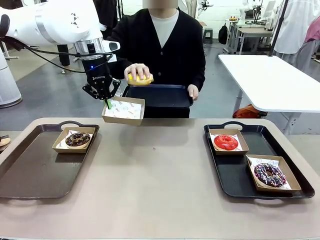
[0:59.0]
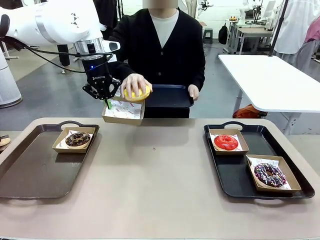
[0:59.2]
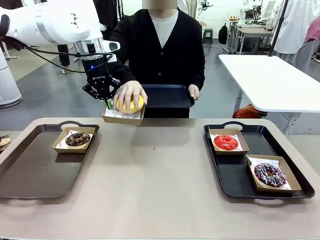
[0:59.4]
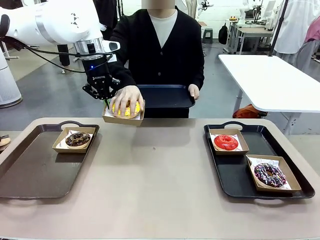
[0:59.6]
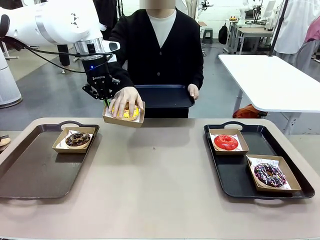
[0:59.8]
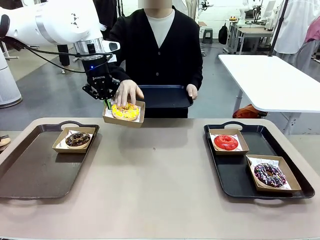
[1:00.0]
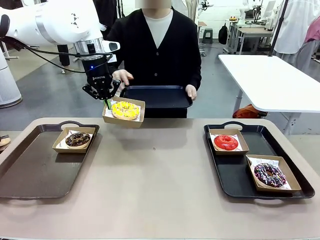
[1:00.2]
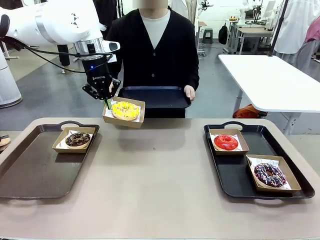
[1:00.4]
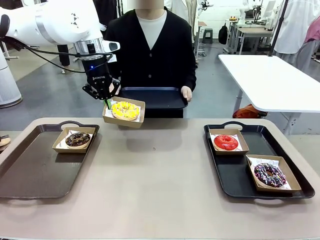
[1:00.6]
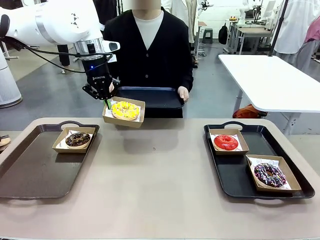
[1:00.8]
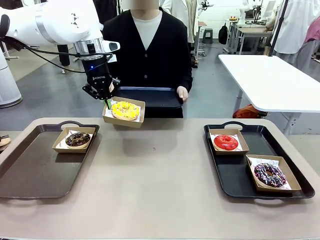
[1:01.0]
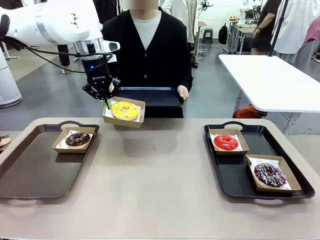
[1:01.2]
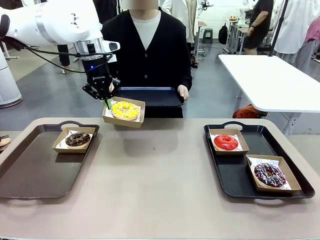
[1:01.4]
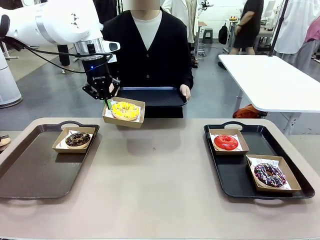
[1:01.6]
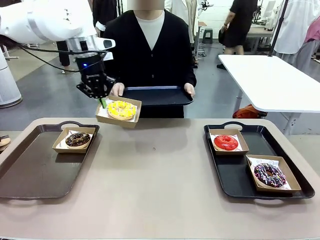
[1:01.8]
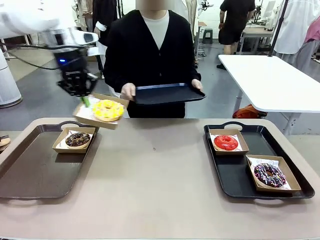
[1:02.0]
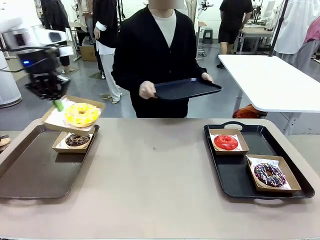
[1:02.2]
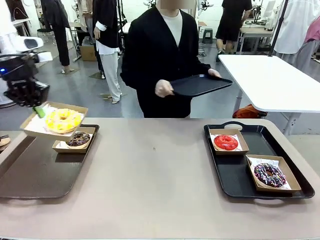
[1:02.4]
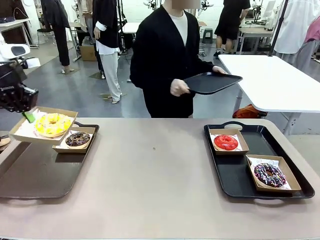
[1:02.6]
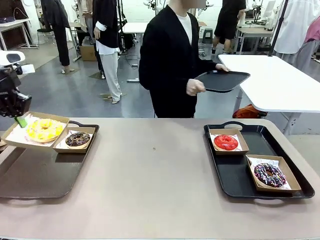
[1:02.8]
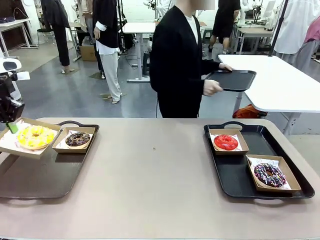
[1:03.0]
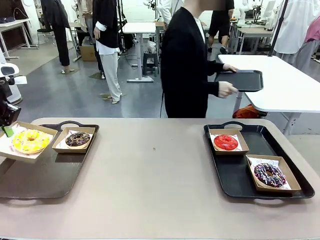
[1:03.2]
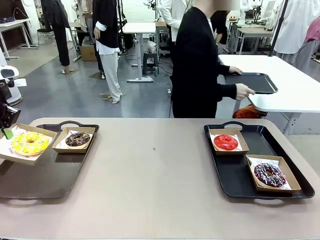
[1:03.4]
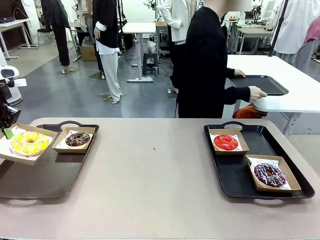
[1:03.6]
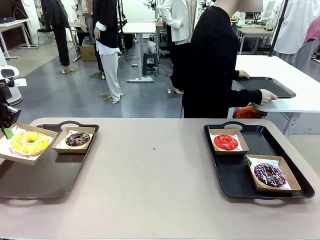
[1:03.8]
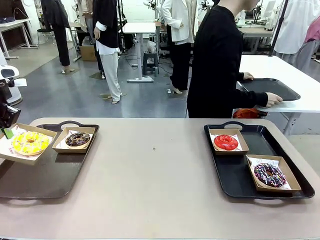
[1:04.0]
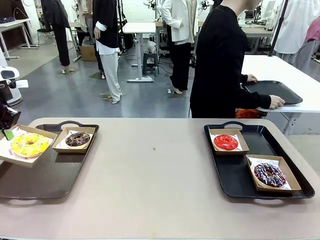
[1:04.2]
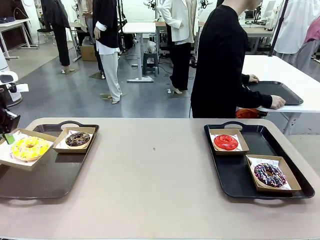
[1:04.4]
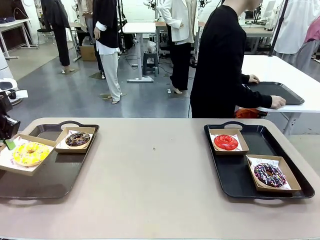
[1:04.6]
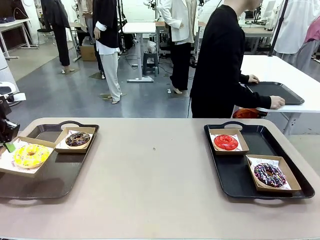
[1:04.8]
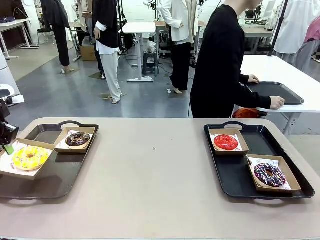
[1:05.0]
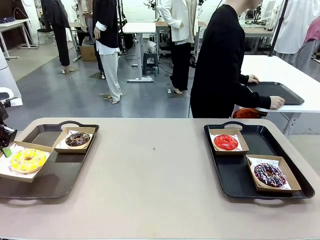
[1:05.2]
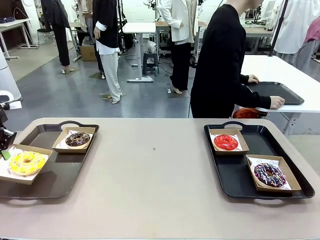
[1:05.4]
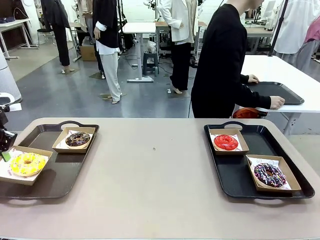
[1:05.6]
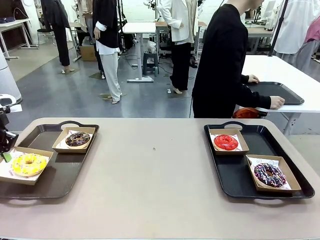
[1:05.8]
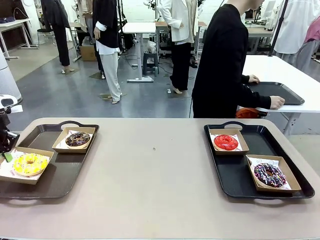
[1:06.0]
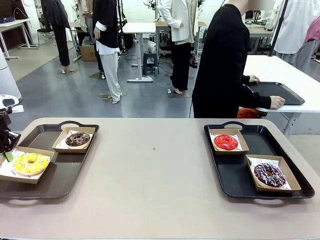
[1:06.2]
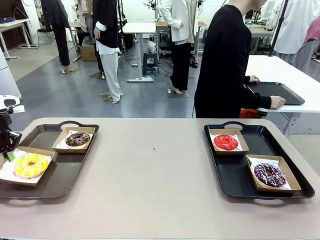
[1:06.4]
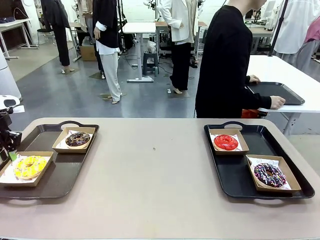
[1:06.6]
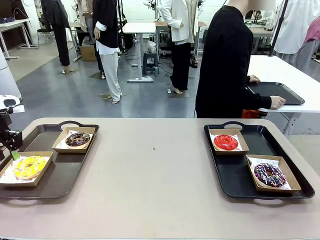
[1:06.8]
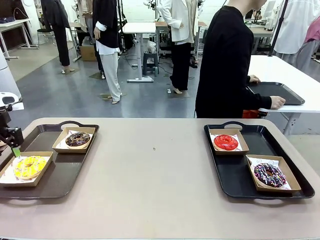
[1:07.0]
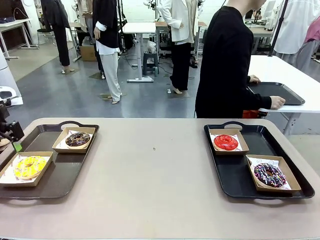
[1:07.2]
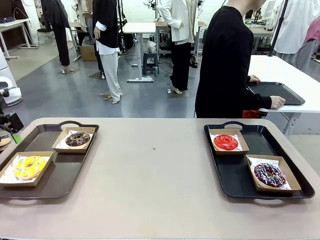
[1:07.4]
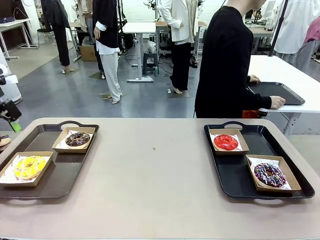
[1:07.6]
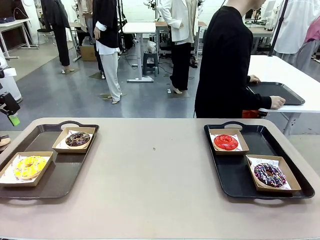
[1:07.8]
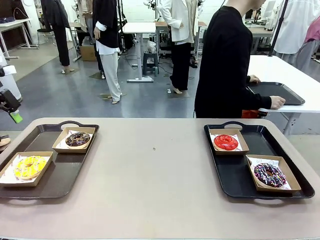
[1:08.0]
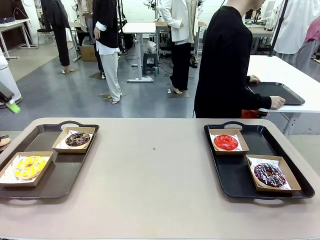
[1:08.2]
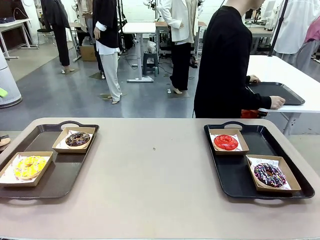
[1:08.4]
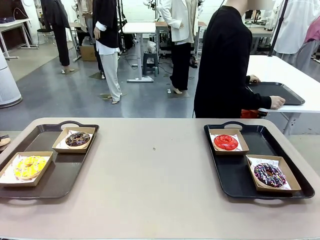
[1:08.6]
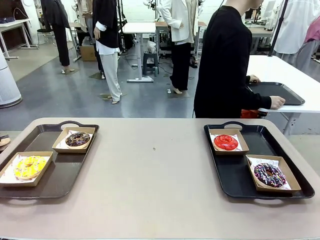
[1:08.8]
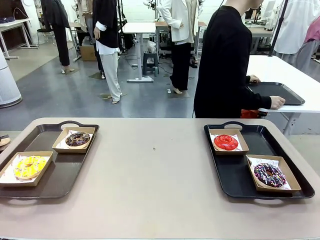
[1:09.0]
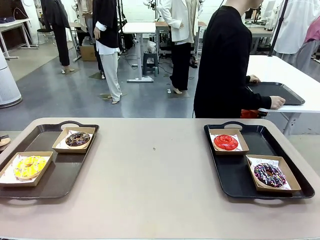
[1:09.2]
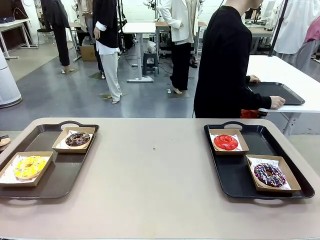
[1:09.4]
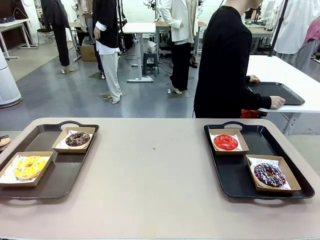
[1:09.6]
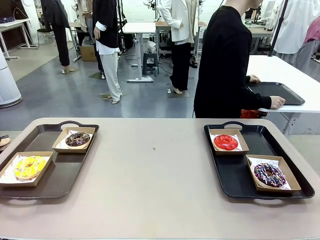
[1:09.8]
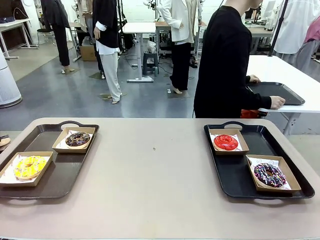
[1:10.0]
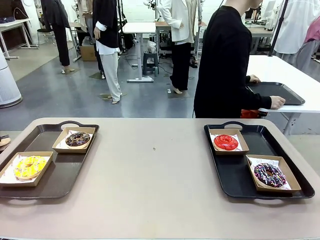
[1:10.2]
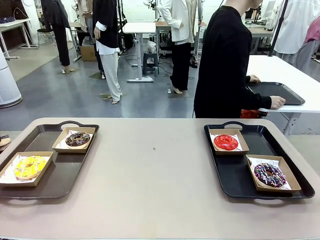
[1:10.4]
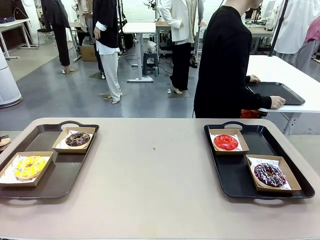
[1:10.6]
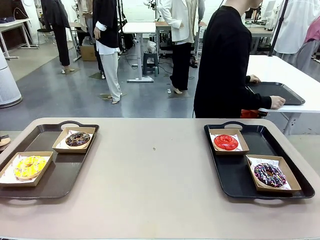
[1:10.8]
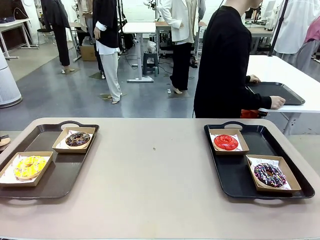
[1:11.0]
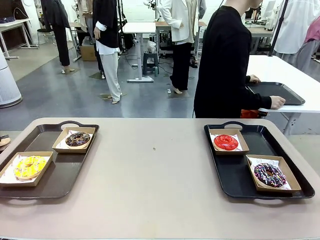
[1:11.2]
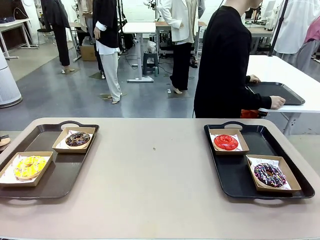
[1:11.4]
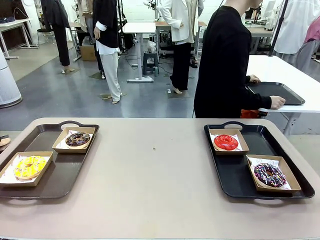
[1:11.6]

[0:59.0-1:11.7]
Task: Individually package the donuts and arrange them on the tray.
Robot: Place the picked Paper togo box on the Handle tray.
Person: Place the tray down in the middle of the human table.
